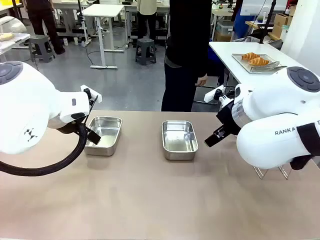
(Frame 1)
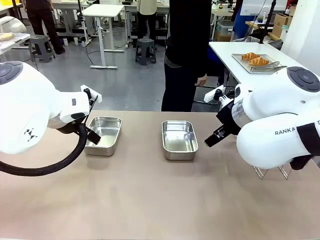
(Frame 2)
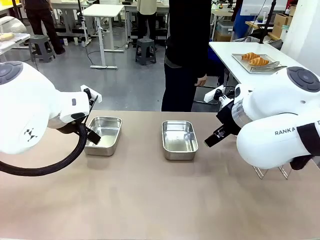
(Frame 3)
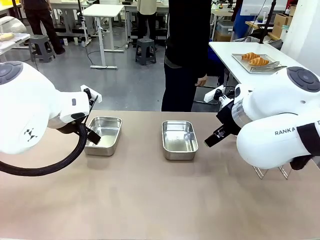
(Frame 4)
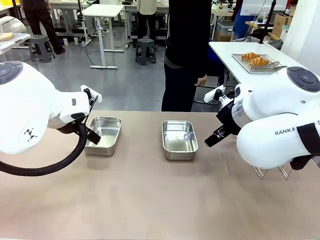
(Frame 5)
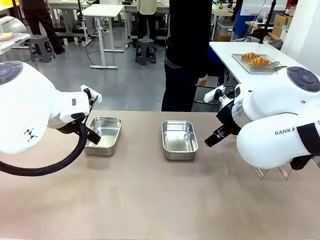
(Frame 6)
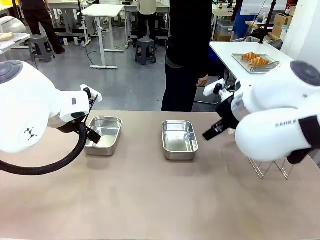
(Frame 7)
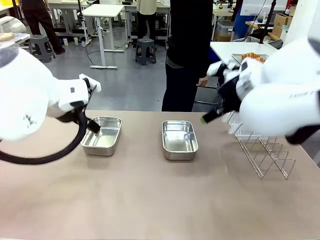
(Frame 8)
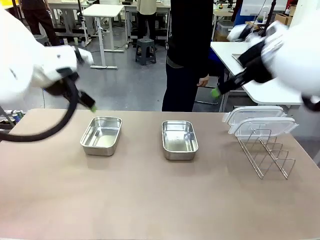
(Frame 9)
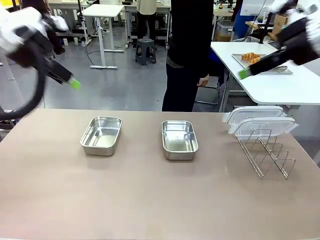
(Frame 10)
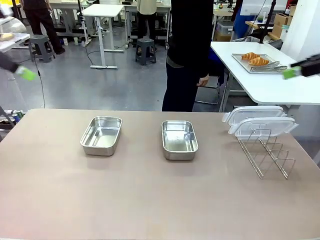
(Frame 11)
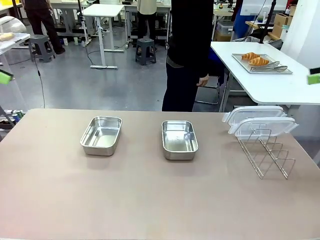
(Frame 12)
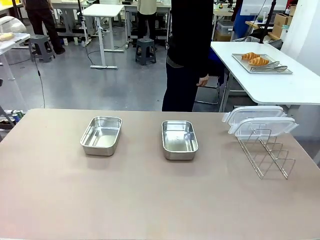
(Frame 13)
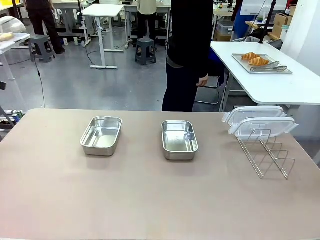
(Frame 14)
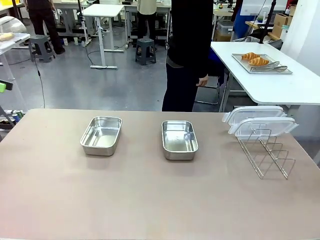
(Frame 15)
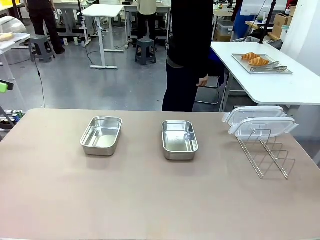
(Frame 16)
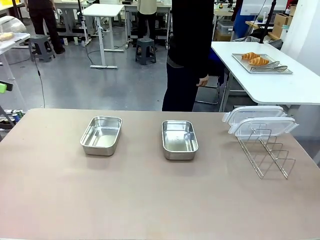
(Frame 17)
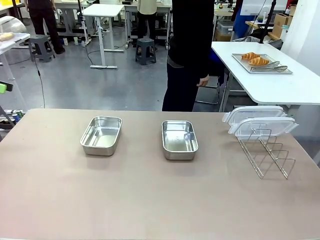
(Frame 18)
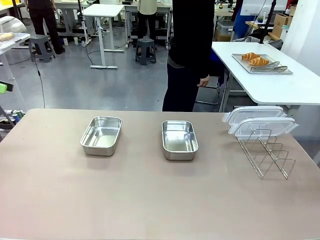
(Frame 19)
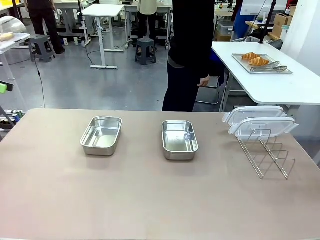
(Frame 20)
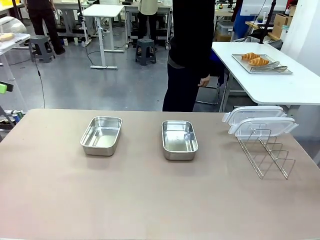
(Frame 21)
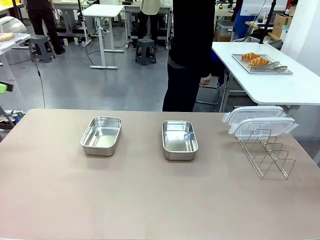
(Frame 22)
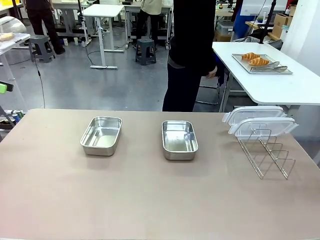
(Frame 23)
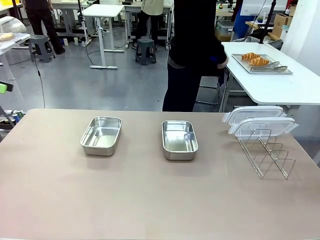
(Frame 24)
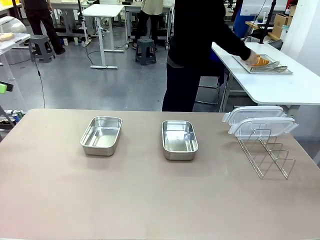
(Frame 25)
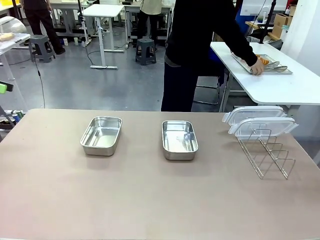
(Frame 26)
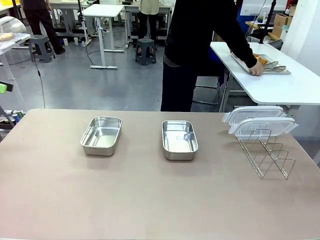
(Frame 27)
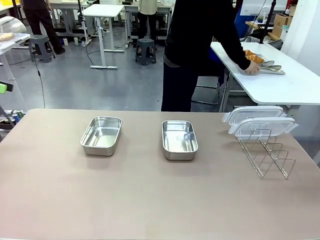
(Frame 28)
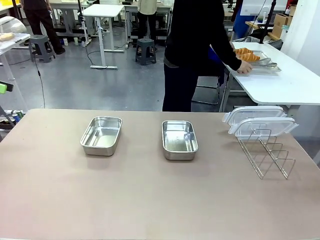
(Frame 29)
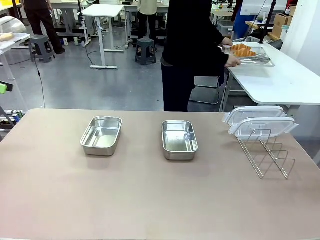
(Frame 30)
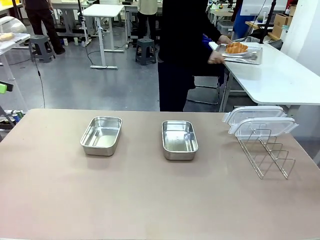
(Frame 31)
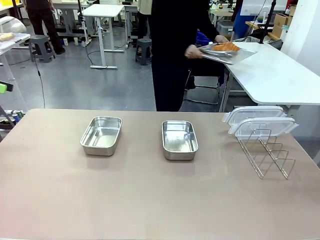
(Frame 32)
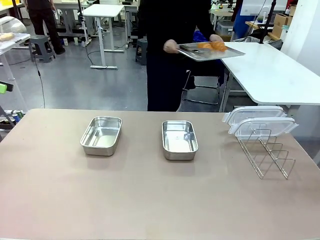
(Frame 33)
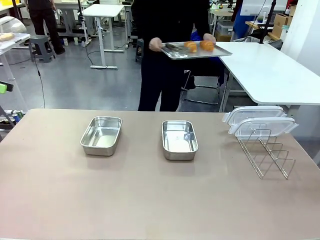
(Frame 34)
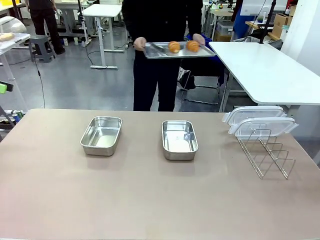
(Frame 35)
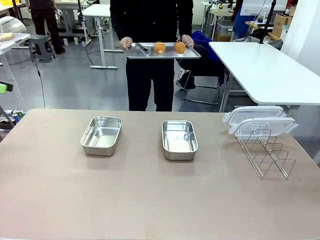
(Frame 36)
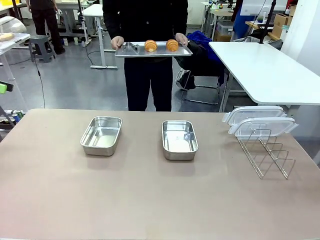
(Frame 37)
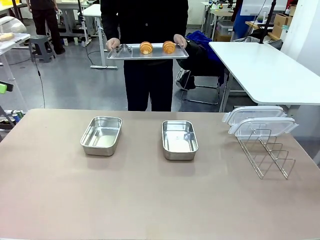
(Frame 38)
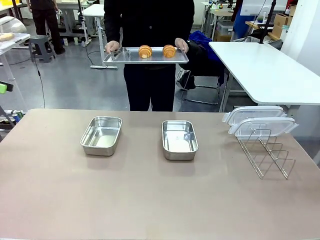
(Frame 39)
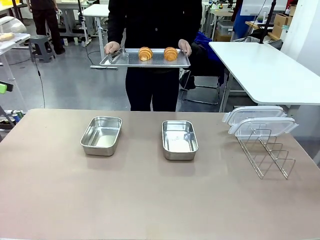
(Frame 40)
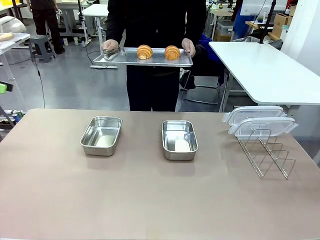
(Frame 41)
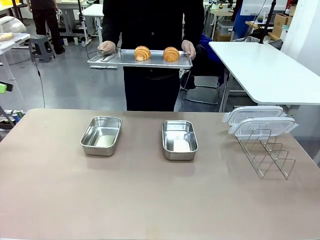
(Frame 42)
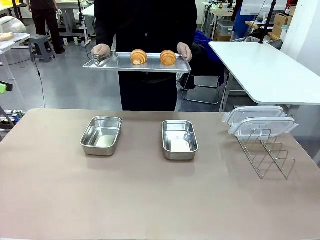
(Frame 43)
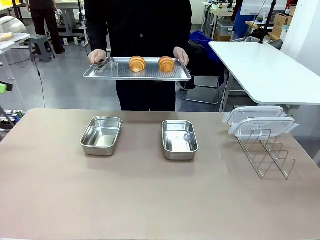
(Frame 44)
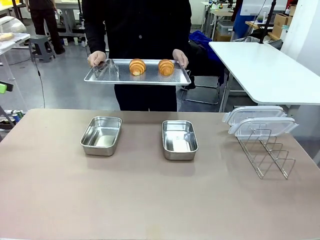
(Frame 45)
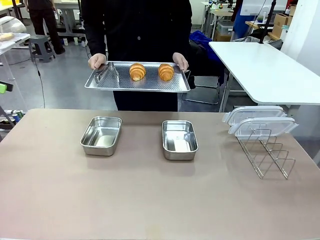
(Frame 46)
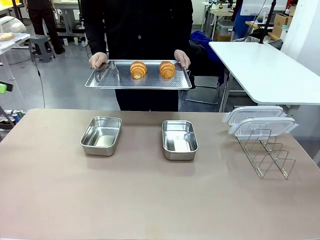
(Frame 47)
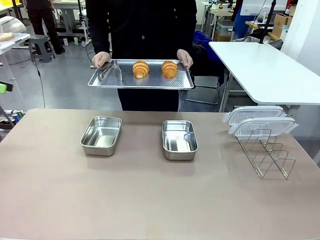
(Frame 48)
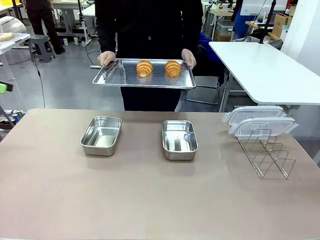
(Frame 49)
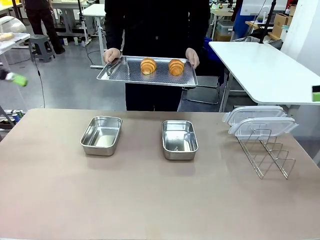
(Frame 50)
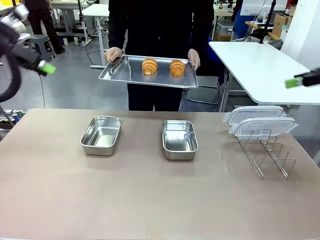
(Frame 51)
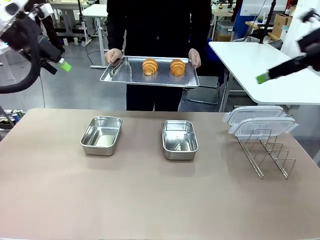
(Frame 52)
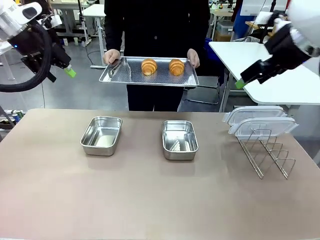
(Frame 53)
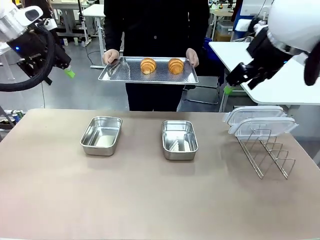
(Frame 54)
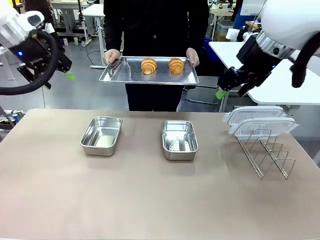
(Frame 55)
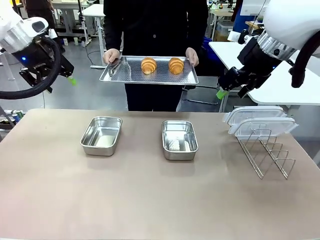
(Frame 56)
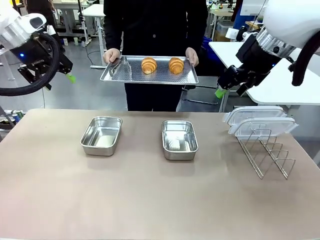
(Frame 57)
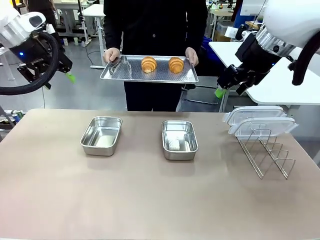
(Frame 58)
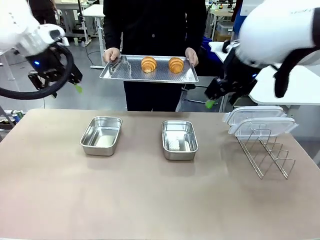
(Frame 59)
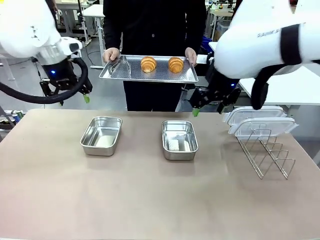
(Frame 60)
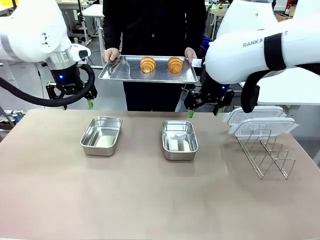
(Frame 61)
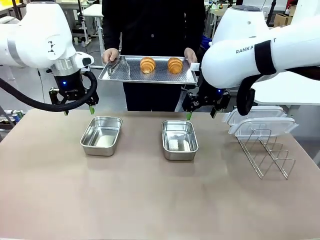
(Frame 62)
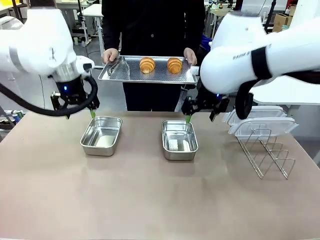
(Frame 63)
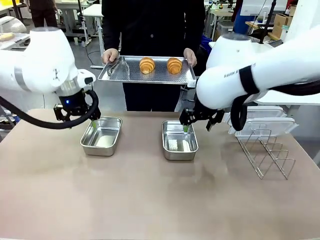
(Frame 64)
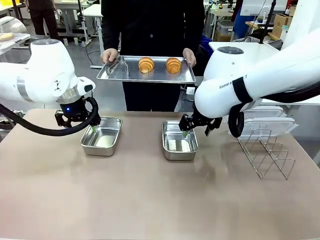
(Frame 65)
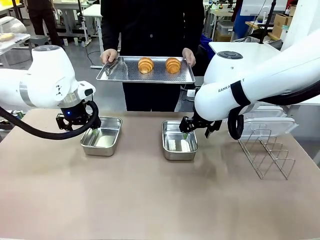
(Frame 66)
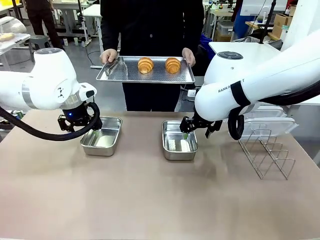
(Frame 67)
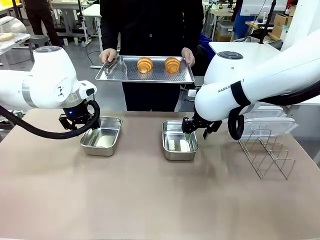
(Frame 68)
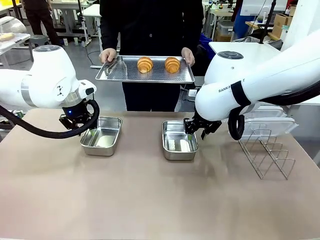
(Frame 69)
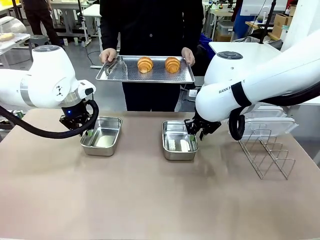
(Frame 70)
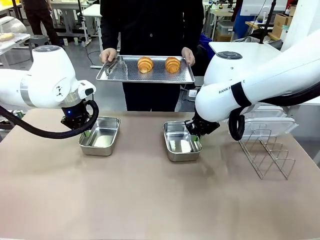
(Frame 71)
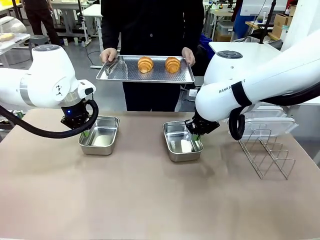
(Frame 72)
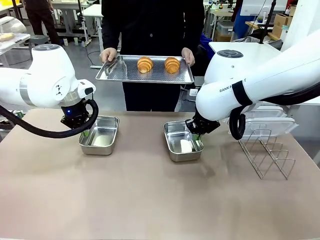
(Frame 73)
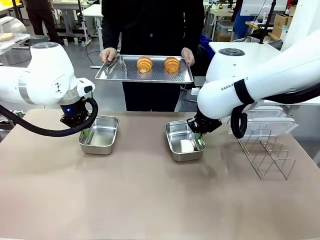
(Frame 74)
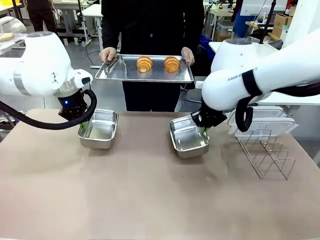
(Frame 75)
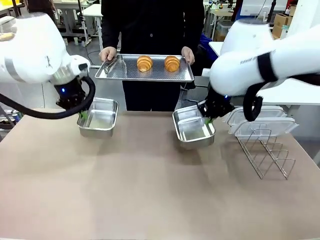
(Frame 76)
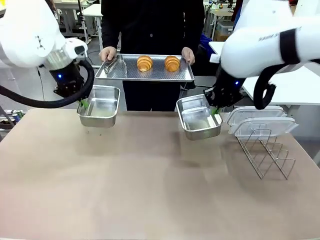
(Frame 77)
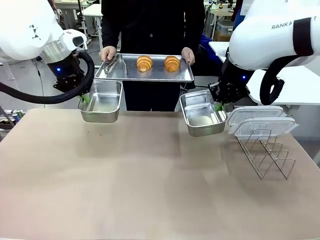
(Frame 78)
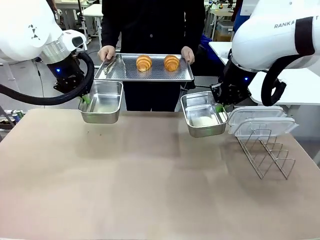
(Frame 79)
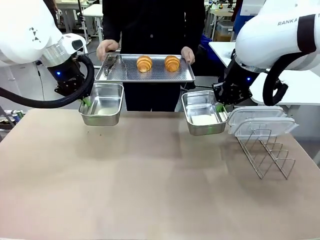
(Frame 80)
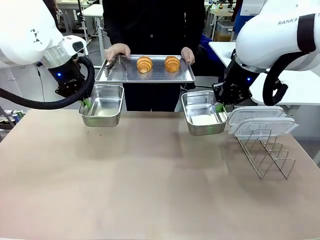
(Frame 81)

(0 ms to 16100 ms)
Task: Place the bread in airtight containers.
Robot: Lift both Airtight Container.
Person: Bring the Baking Sheet in front of Robot's Table.
